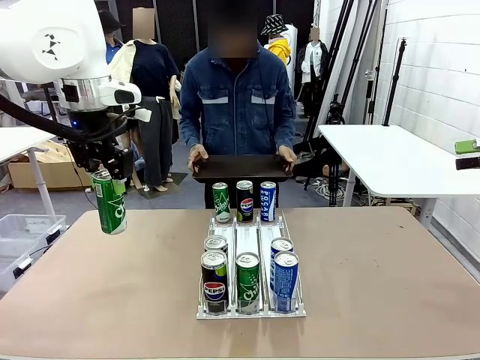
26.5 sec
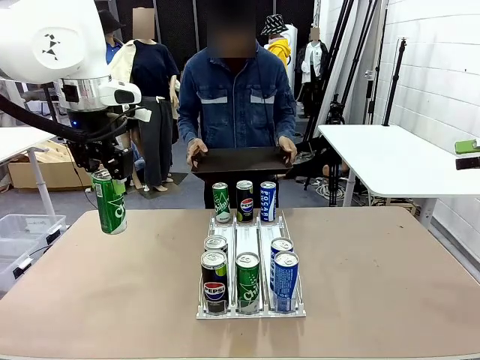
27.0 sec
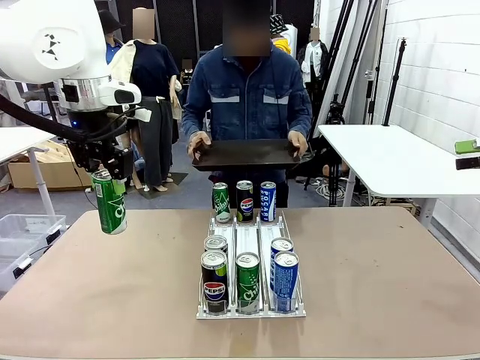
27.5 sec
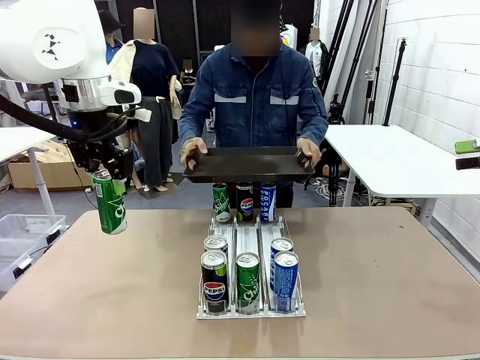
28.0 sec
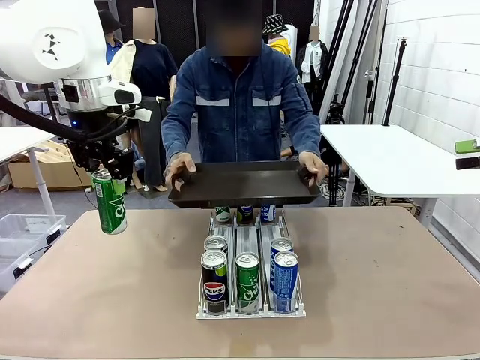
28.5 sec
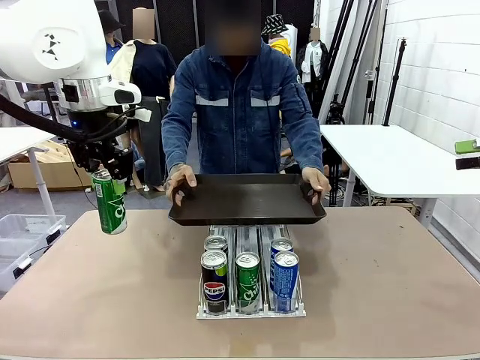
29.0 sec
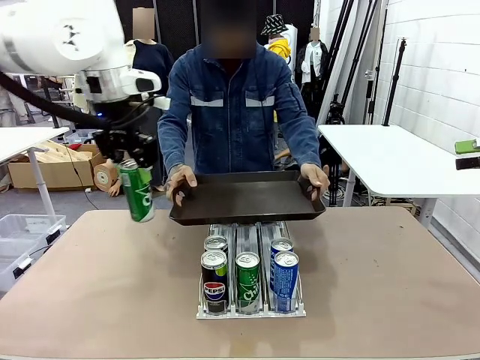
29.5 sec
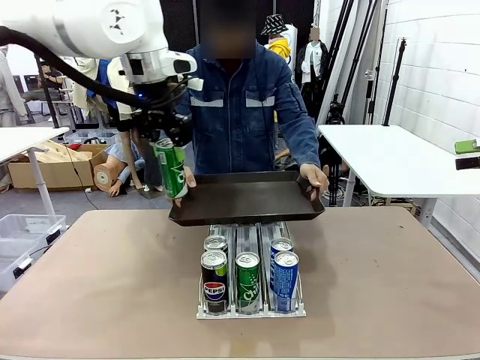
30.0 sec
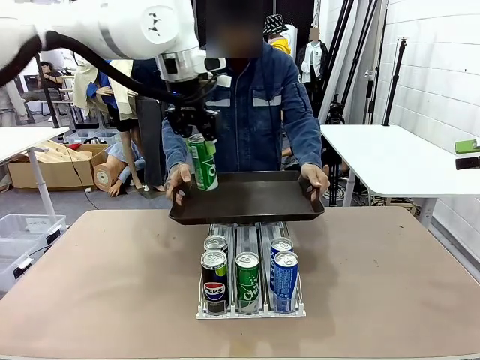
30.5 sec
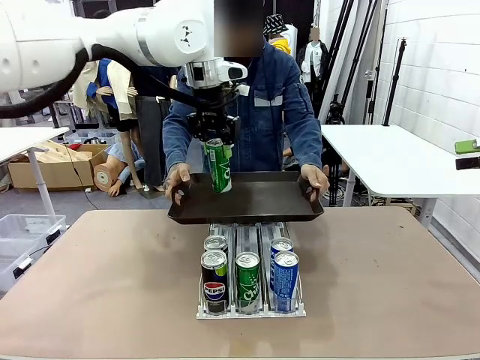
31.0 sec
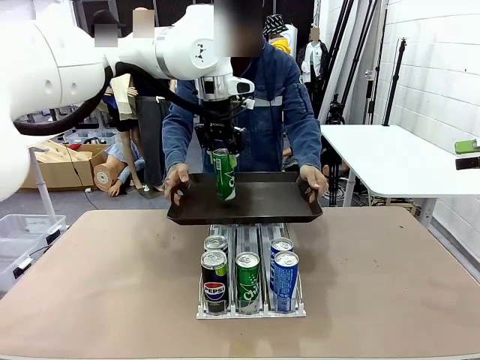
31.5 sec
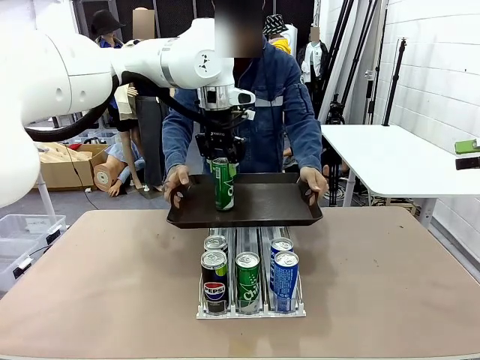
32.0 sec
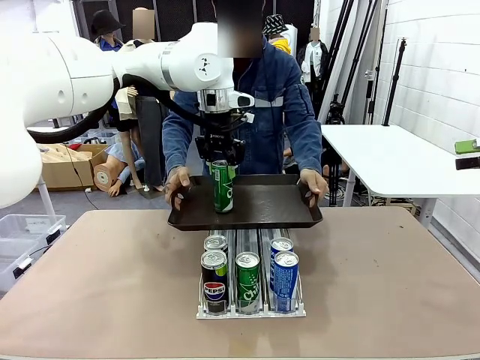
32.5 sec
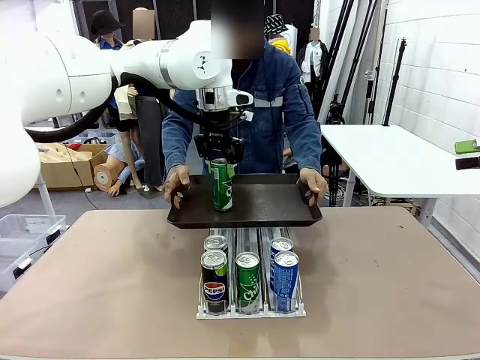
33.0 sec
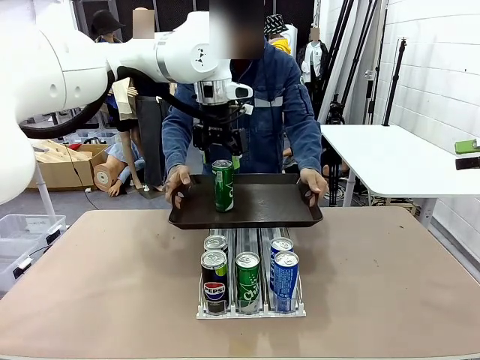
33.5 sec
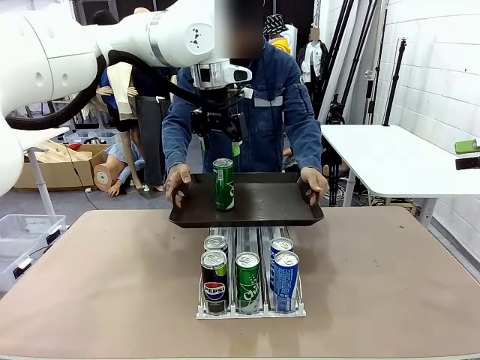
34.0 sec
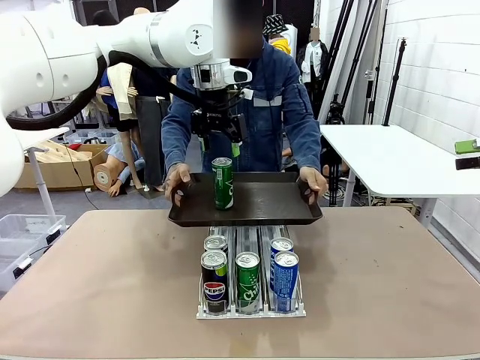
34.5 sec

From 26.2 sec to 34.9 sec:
Task: Retrieve and hand over the desired beverage to the person.
Robot: Place the picked can on the Handle tray extended by the person.

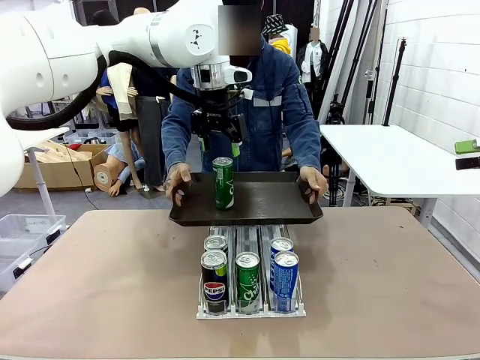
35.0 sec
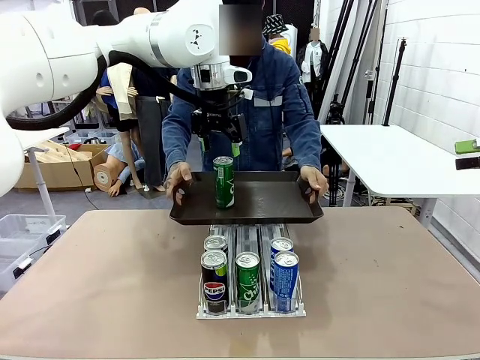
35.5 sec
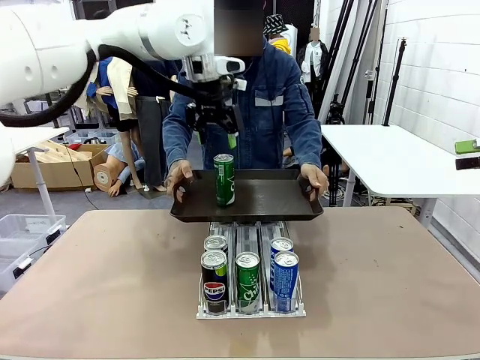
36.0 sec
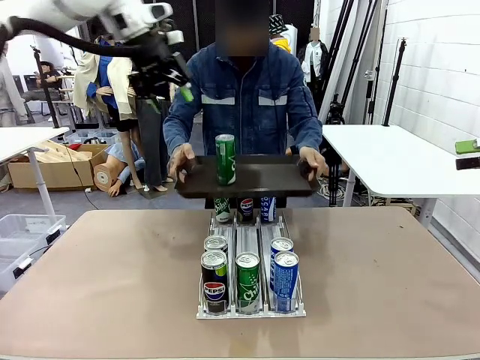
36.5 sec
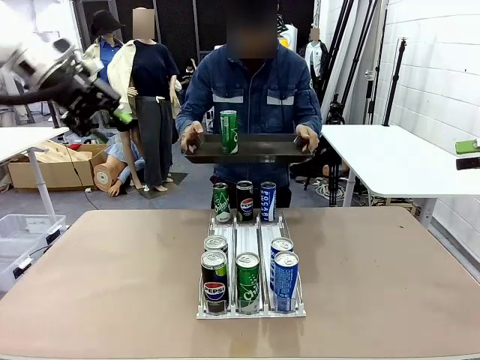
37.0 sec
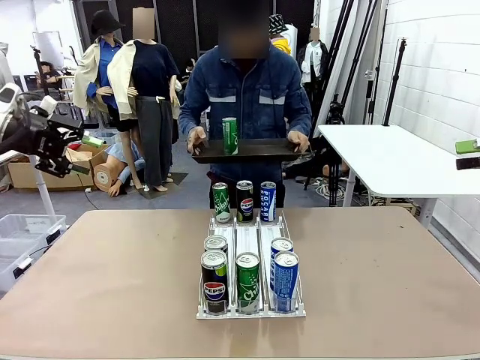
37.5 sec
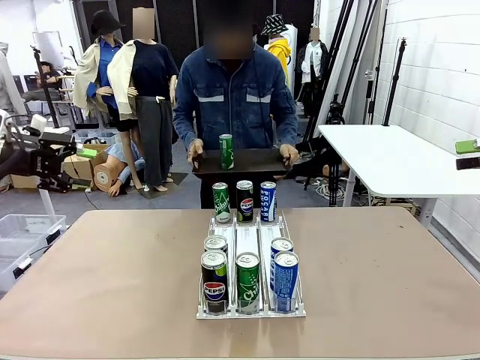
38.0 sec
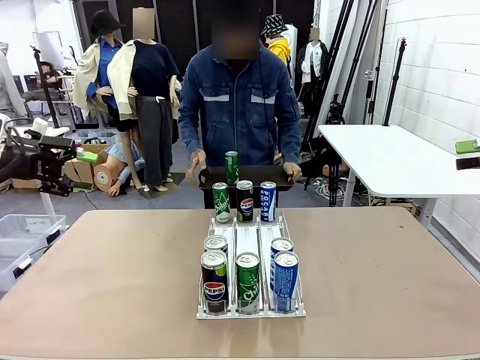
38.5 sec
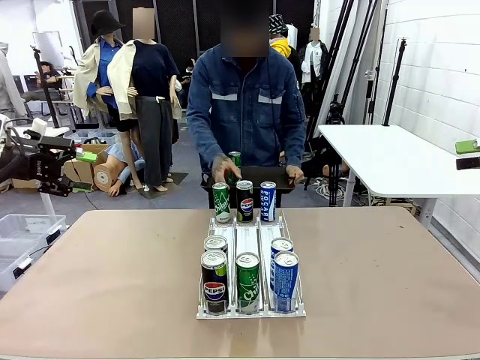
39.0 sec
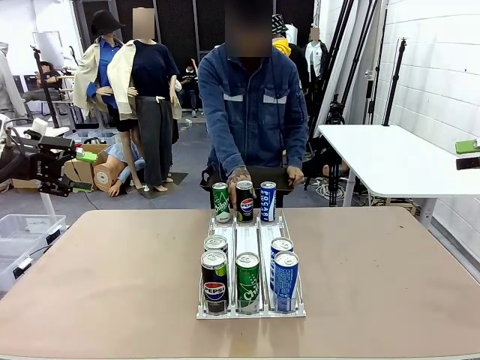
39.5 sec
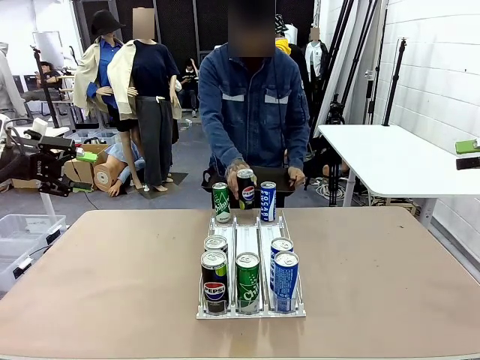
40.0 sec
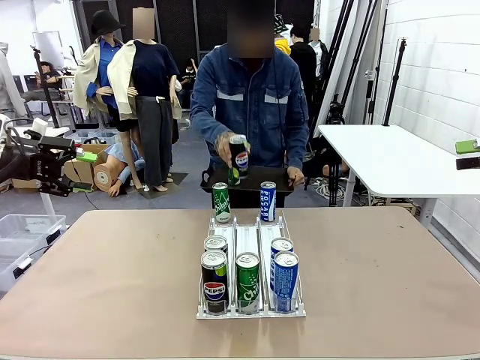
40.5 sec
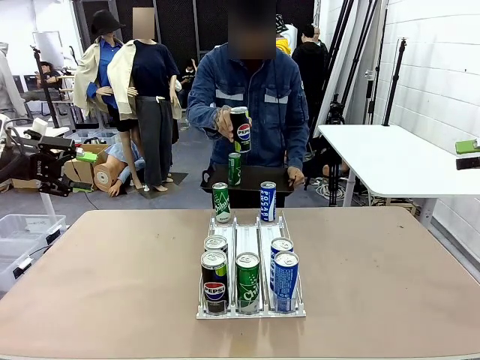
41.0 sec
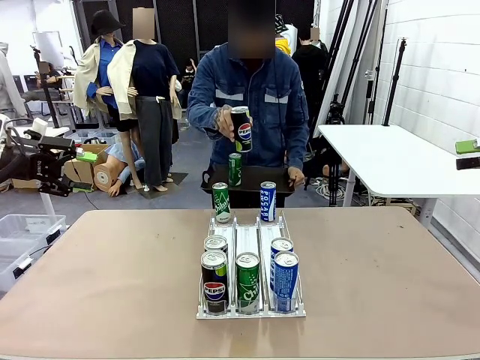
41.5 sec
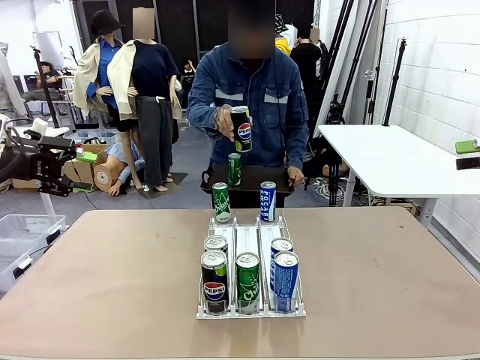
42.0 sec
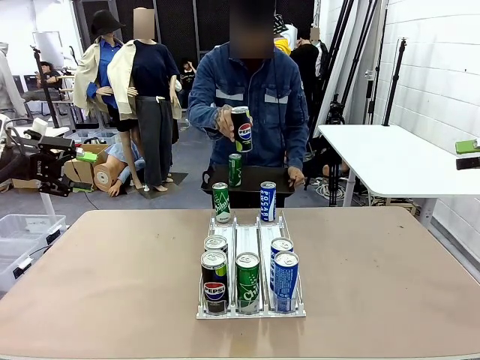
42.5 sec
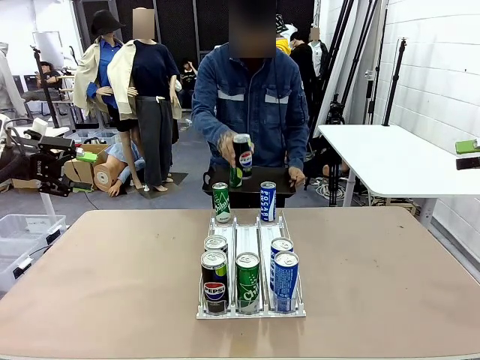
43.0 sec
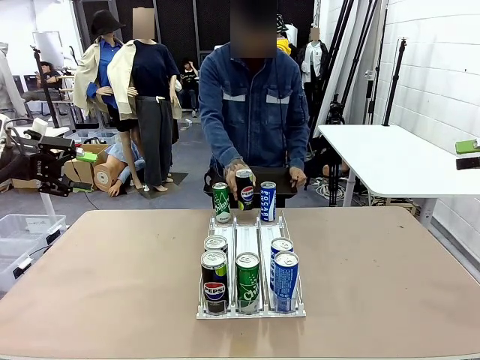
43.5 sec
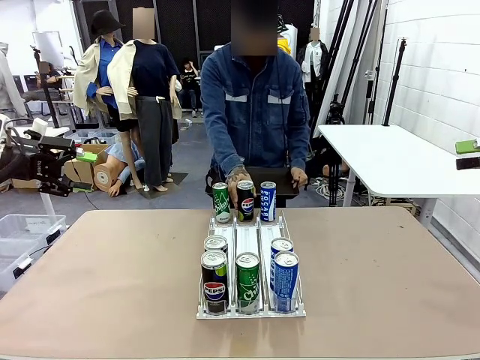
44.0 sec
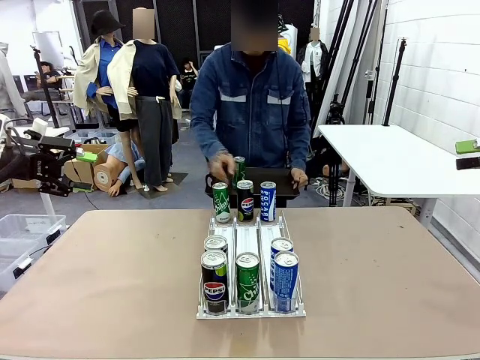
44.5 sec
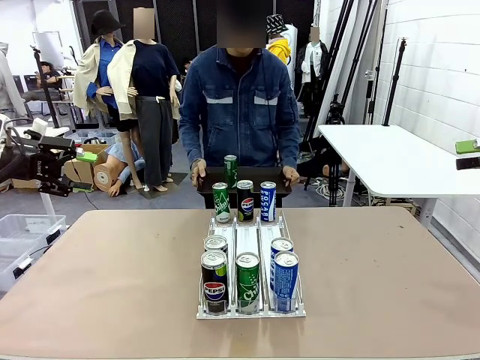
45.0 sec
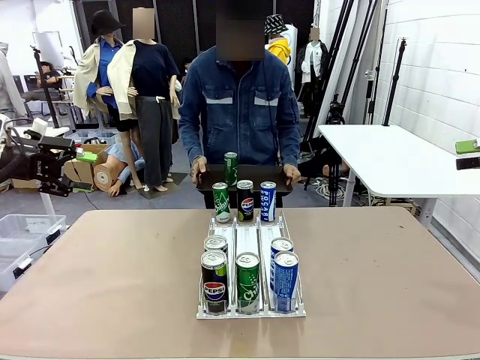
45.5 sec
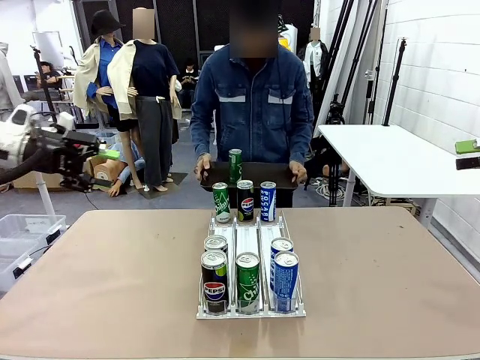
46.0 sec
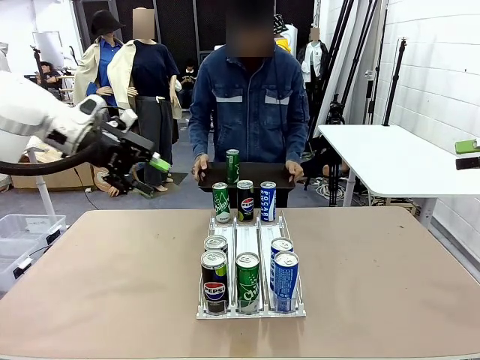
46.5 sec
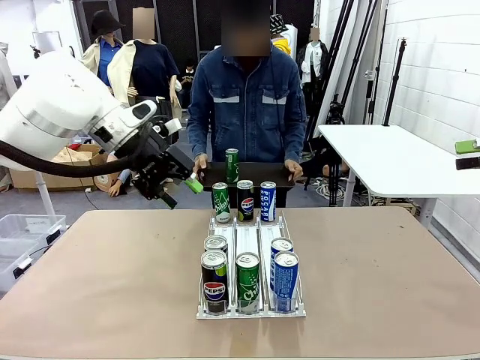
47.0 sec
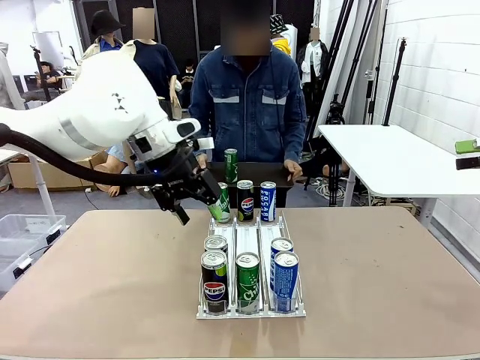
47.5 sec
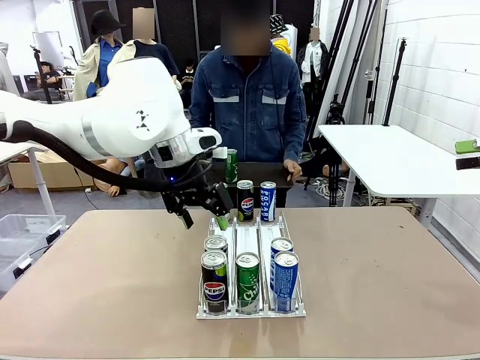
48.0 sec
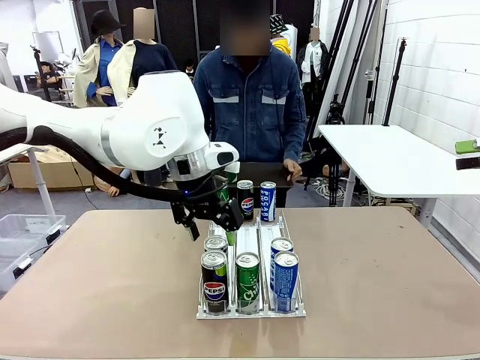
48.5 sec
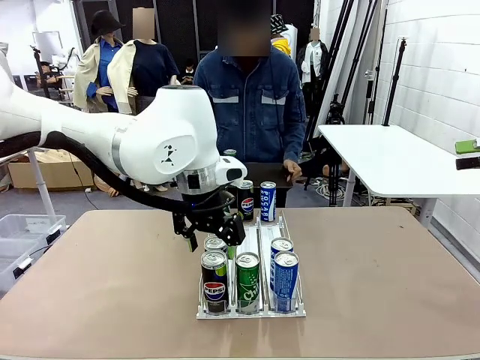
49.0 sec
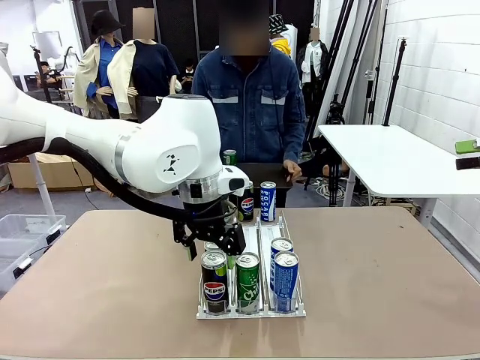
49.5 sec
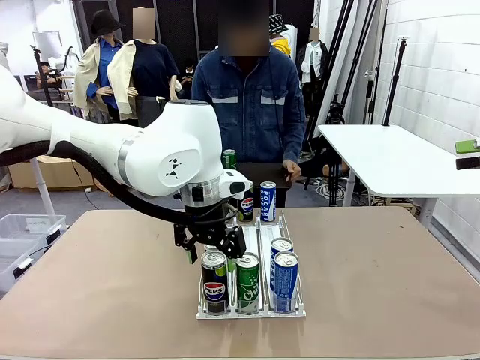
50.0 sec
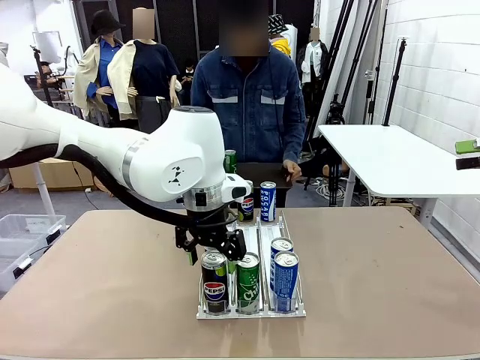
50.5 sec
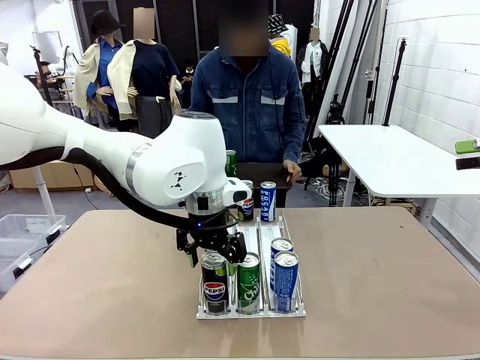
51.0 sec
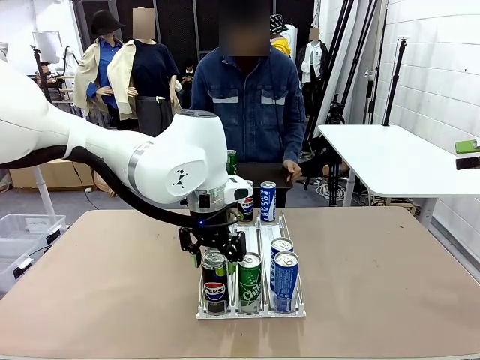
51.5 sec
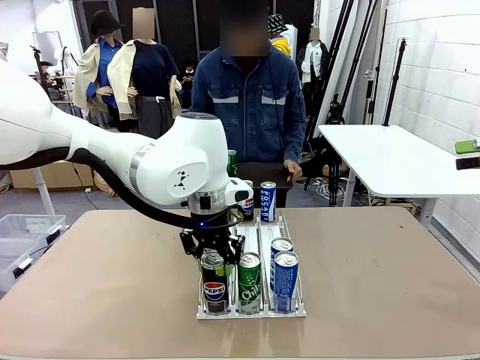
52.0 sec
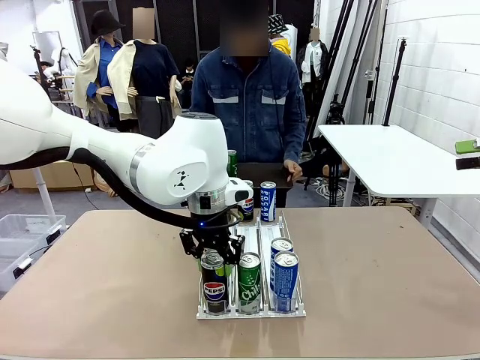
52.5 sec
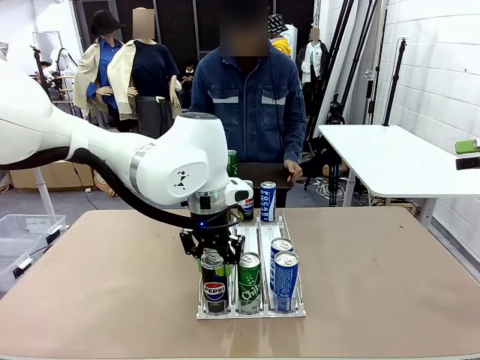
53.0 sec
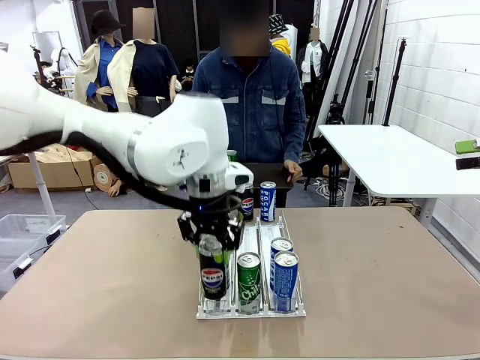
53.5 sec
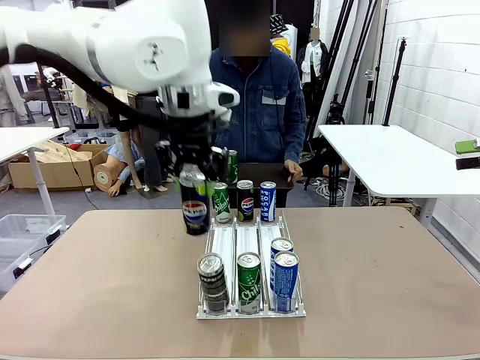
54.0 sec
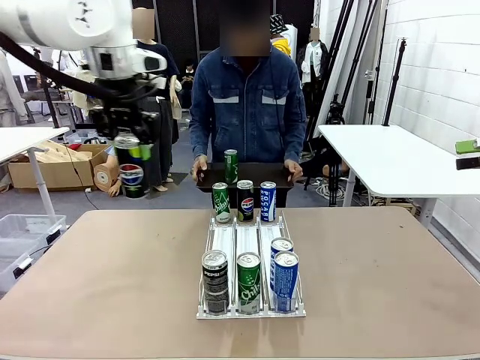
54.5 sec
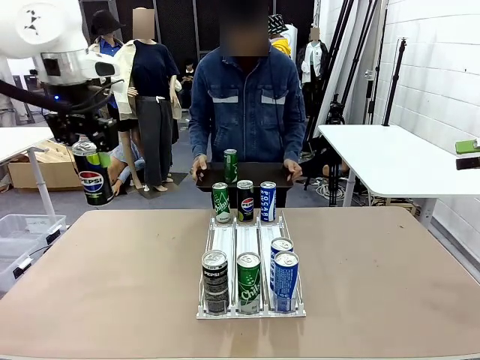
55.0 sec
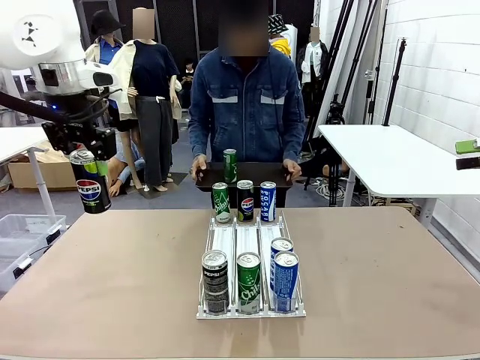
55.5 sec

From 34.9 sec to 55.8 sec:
Robot: Pick up another can of the same type that the person held from the Automatic Can Dispenser.
Person: Pull the tray back, then pick up another can from the bottom area of the table and puts it back in its original place. Push the tray toward the robot again.
